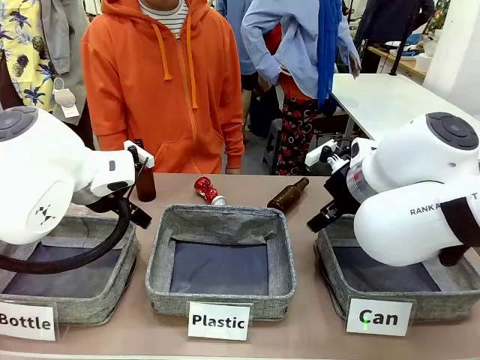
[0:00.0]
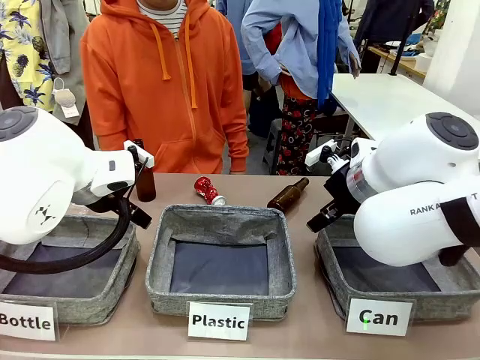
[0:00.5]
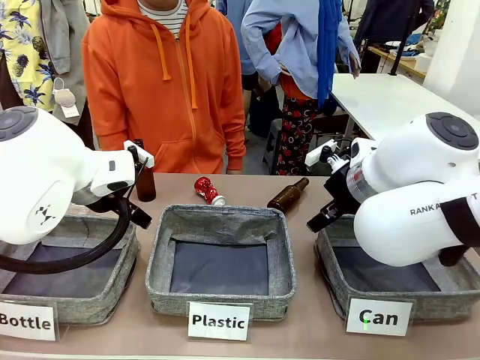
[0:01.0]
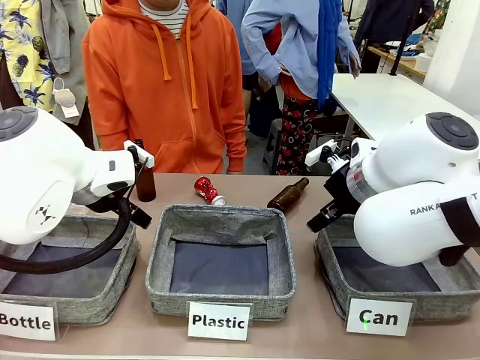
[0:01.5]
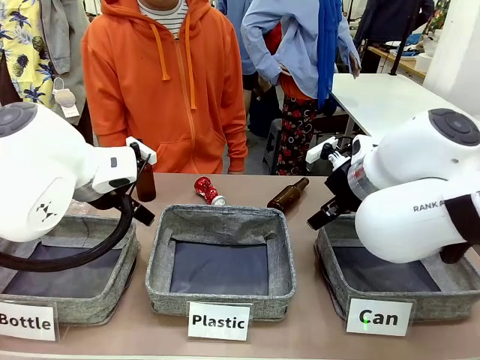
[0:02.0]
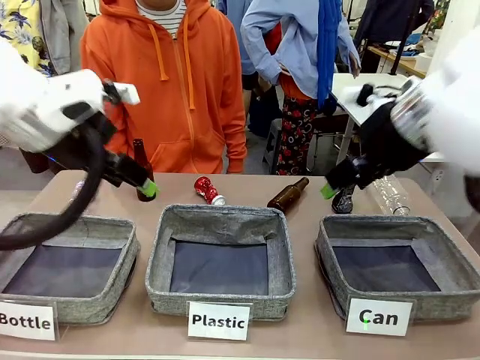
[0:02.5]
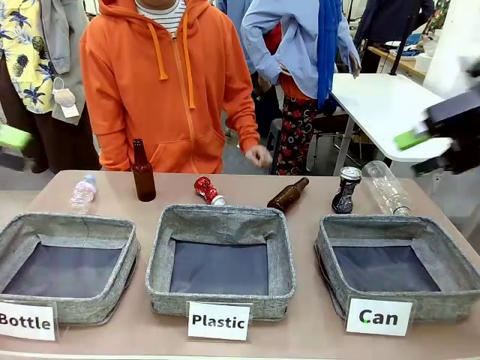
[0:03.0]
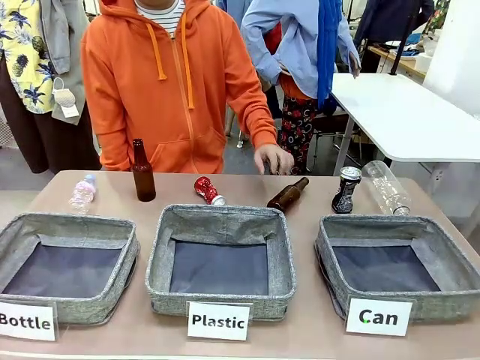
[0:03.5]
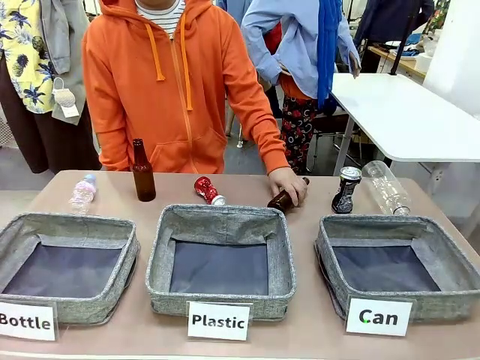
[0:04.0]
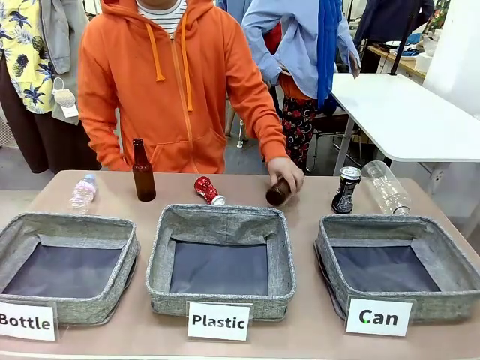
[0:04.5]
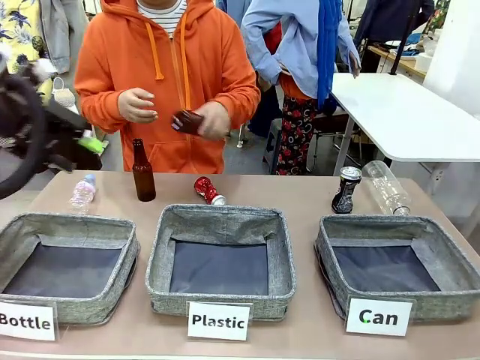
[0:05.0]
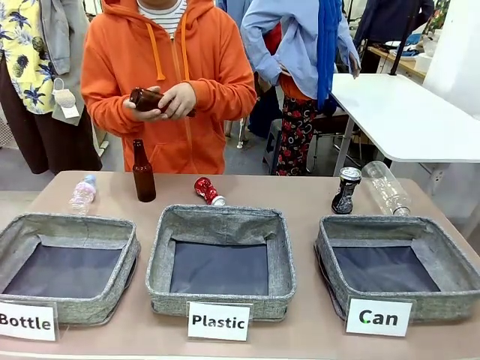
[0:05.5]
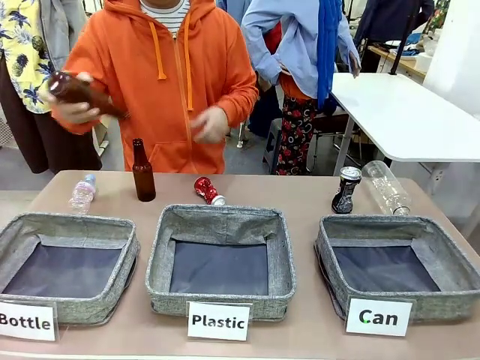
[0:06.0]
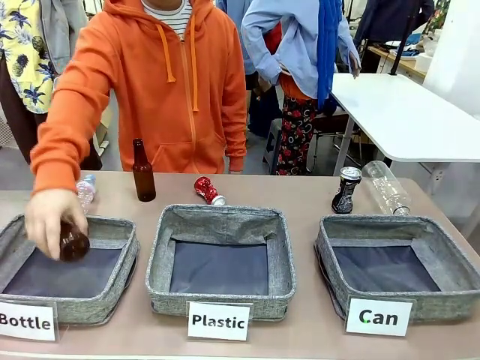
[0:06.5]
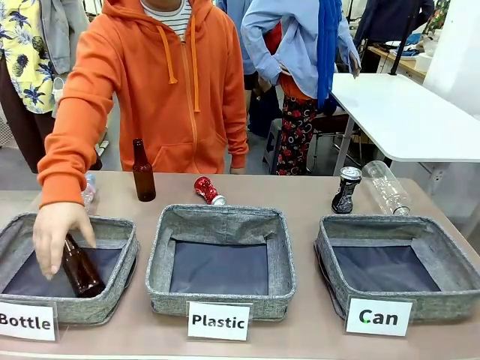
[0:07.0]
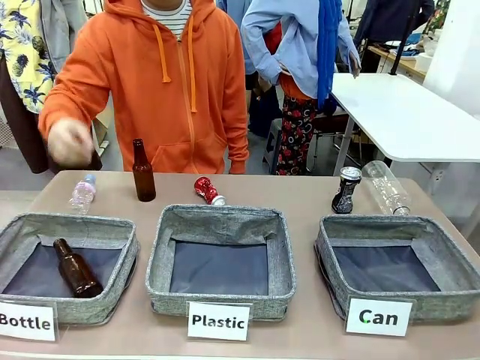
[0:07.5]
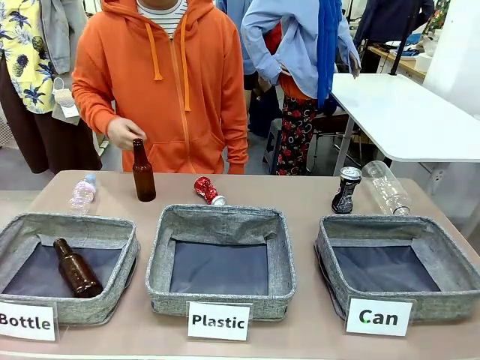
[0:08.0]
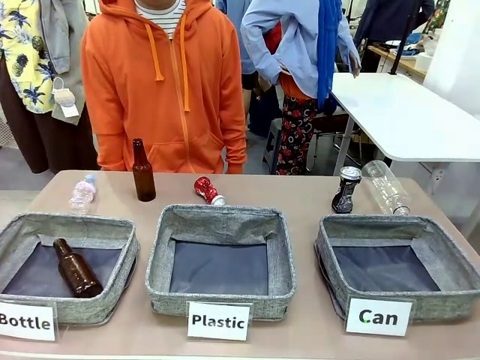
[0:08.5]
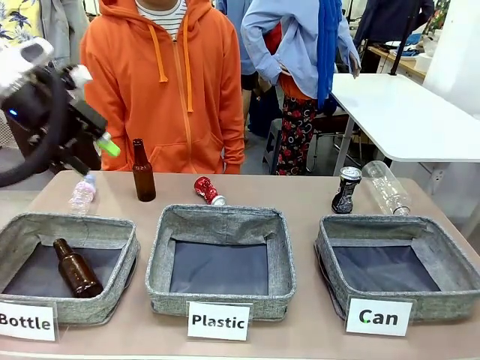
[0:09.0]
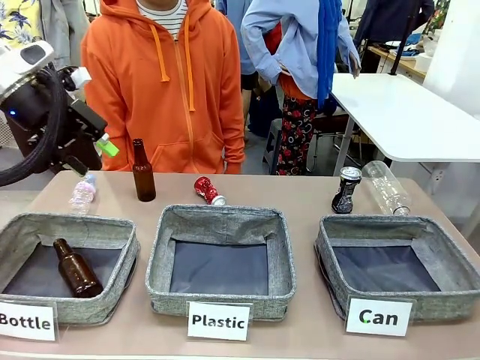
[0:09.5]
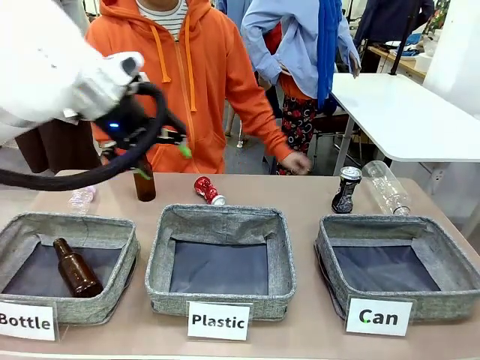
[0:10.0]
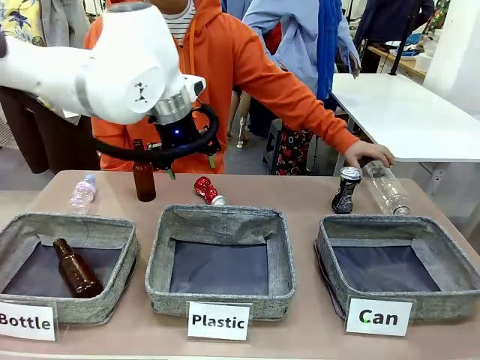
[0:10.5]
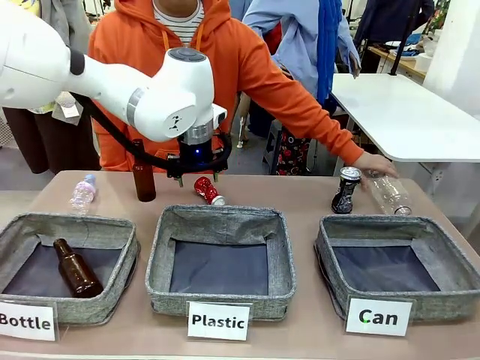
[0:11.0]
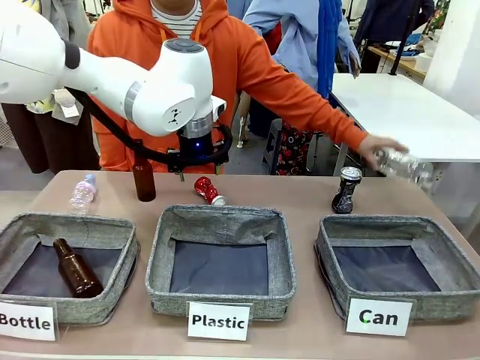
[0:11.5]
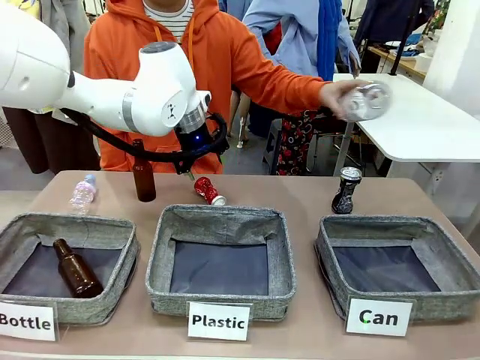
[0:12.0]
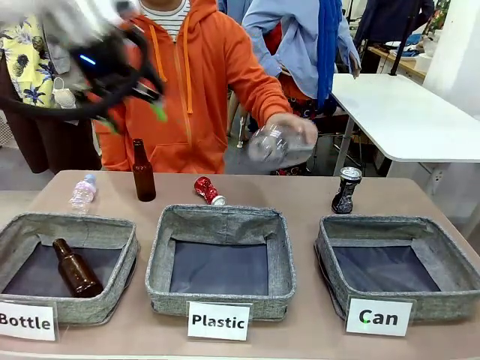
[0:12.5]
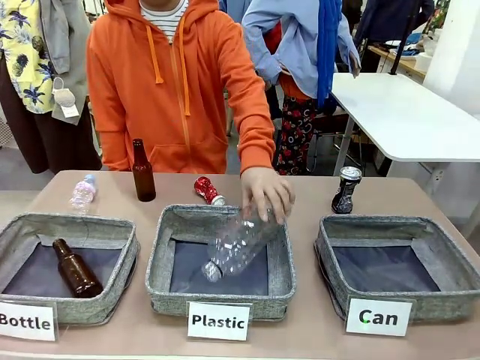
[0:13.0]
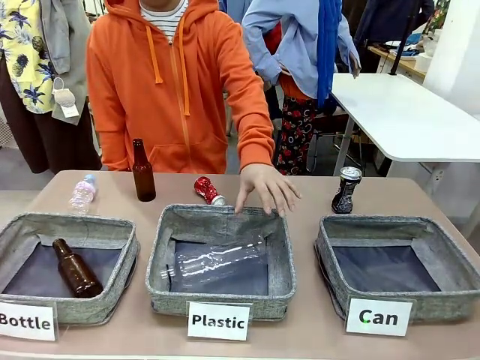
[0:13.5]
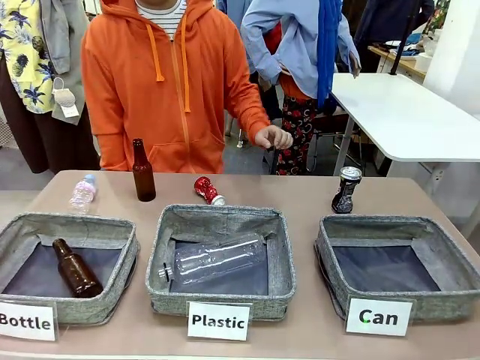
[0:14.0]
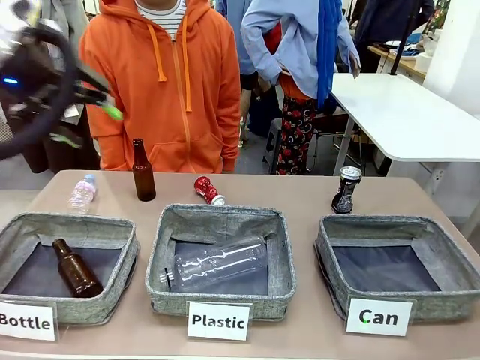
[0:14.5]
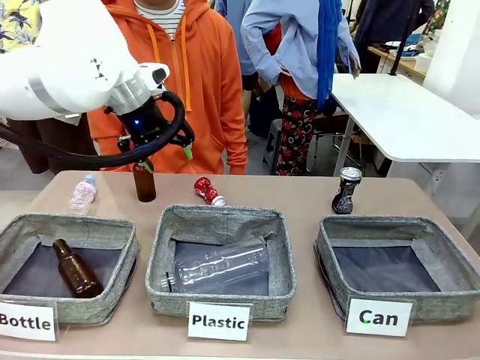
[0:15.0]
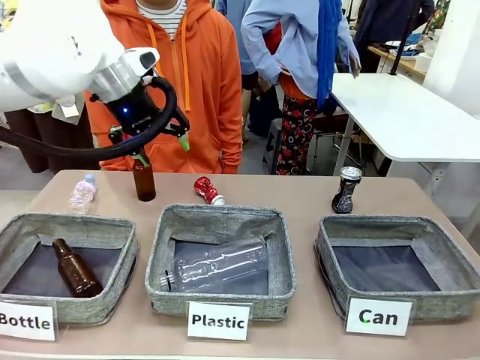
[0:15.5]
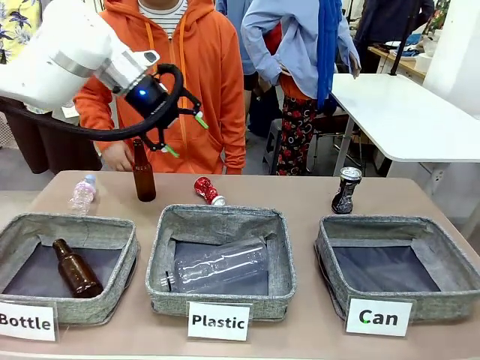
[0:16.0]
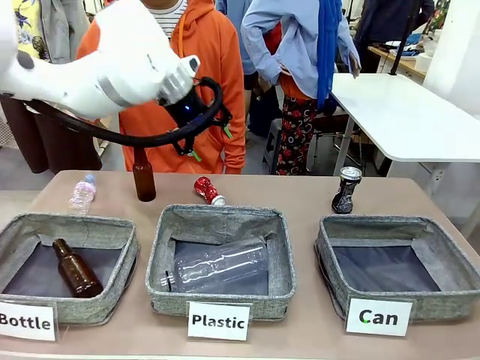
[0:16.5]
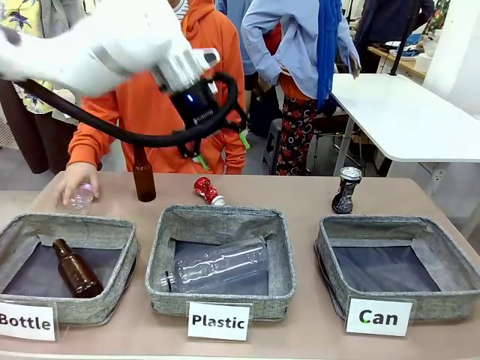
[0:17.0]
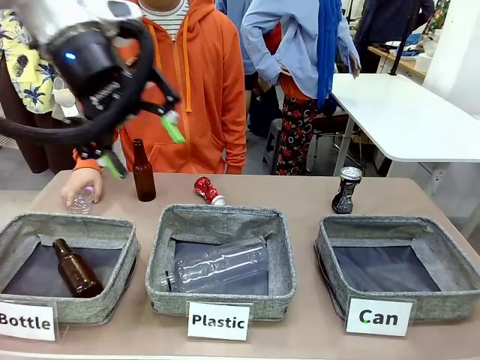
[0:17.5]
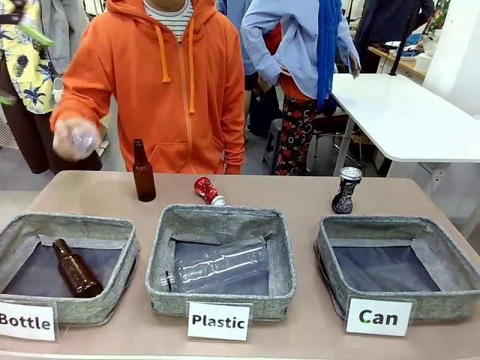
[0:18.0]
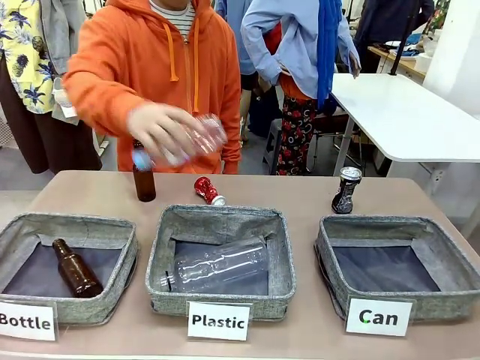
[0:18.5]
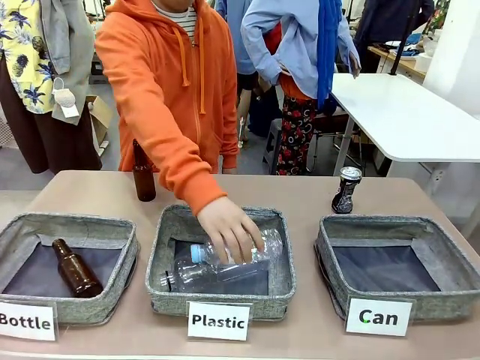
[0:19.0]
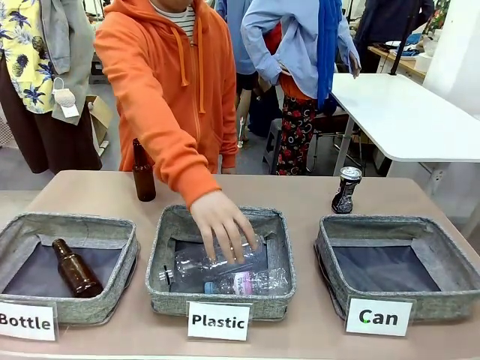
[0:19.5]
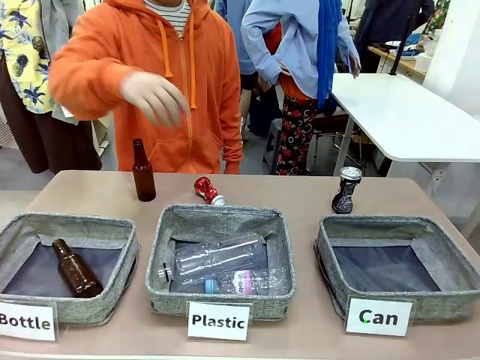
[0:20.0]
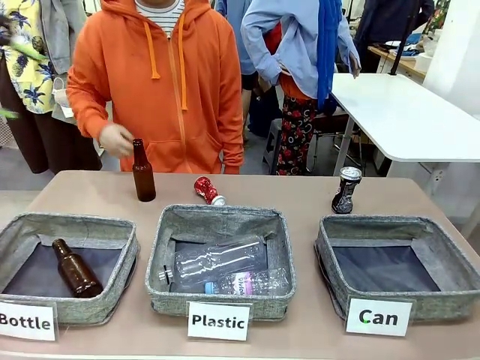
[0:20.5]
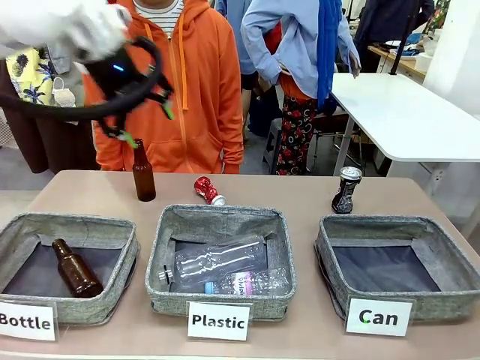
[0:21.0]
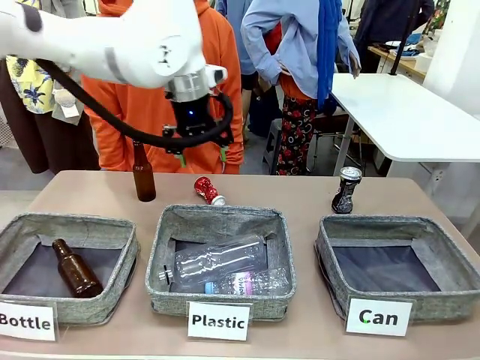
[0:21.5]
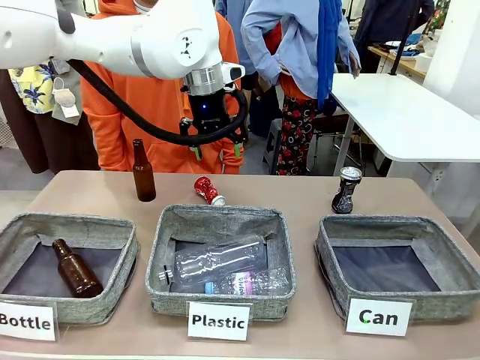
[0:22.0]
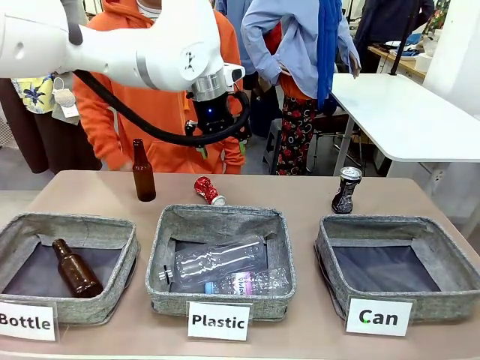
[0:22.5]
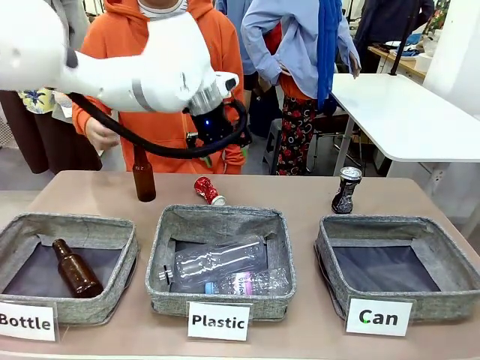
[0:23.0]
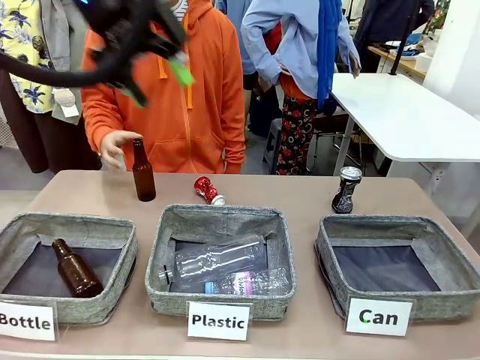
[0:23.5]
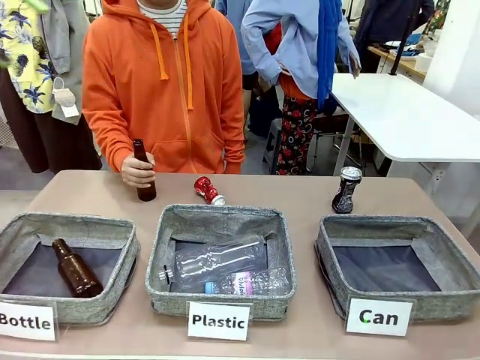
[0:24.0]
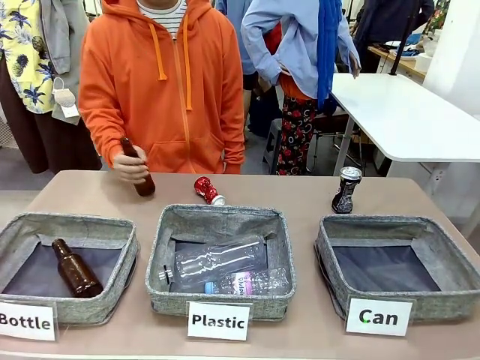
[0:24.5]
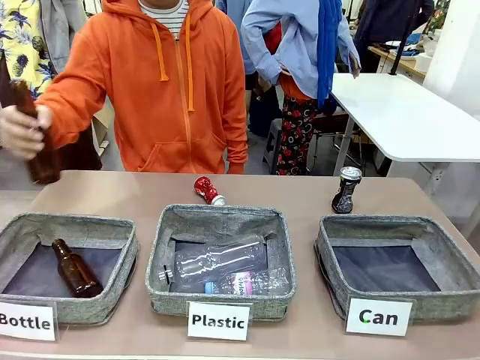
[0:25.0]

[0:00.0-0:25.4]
Task: Sort the can waste into the basket.
Robot: Pick up the can waste from the table and place it in the right Fabric basket.
